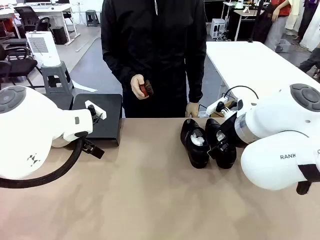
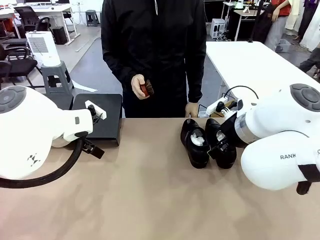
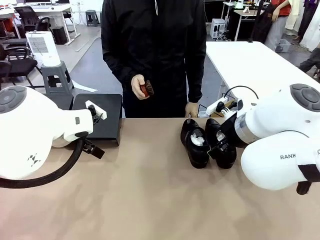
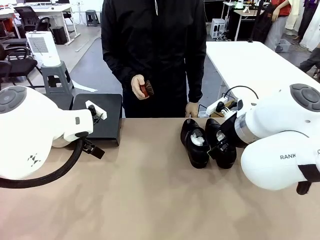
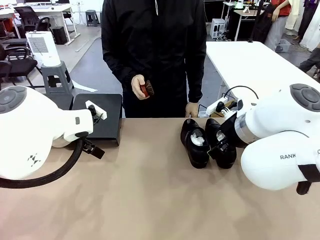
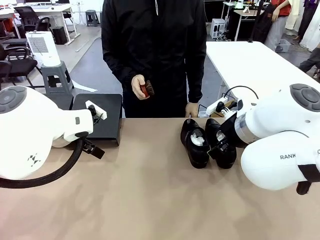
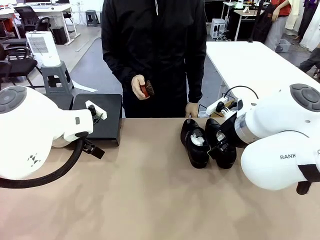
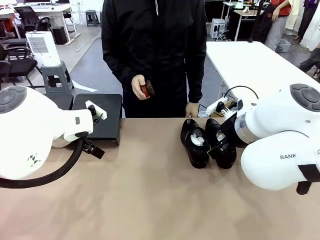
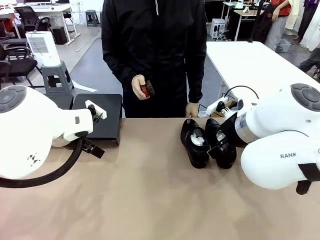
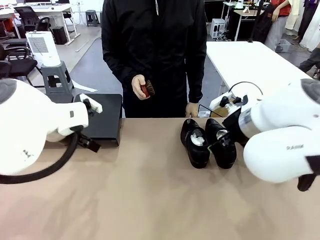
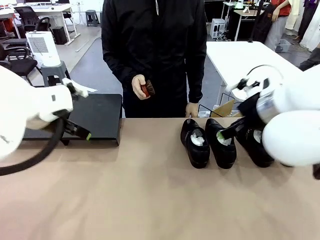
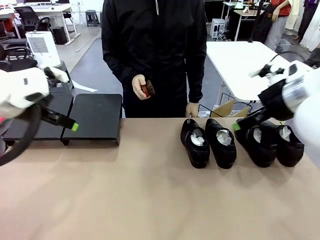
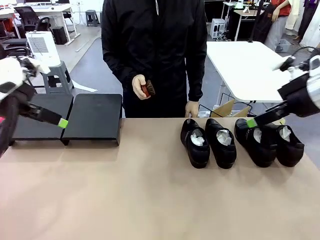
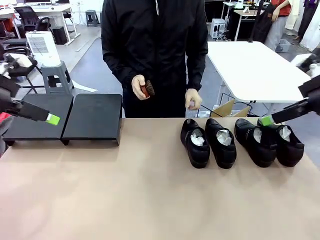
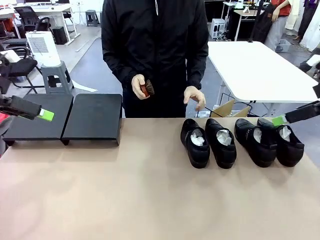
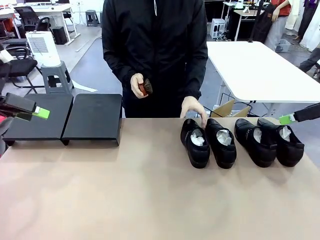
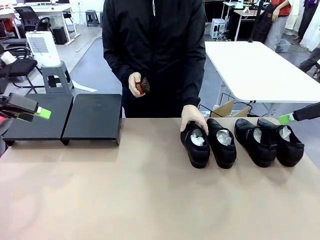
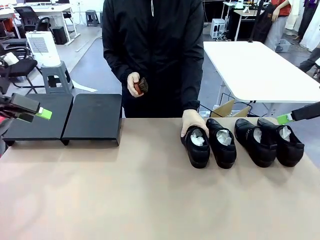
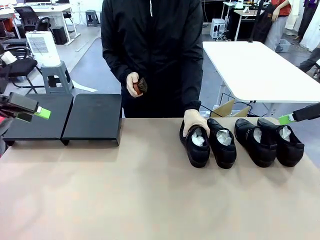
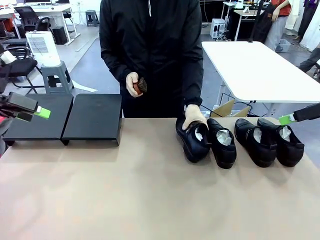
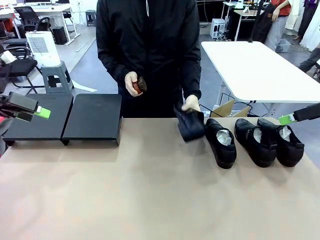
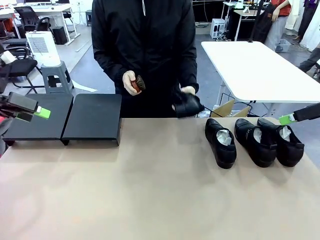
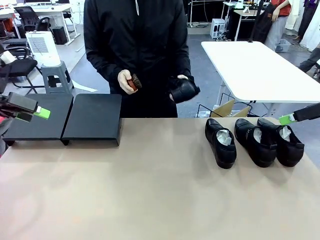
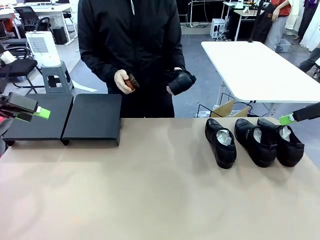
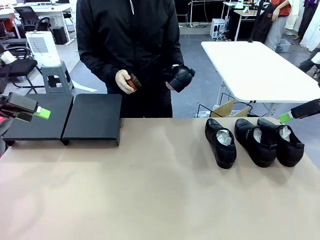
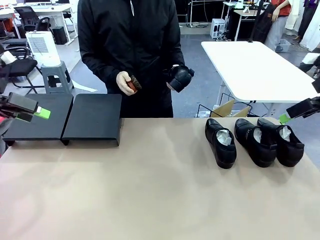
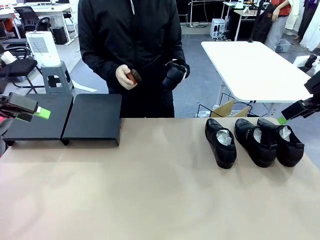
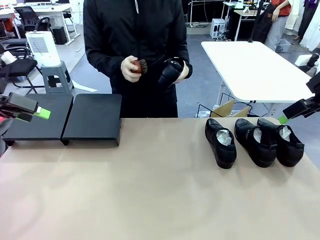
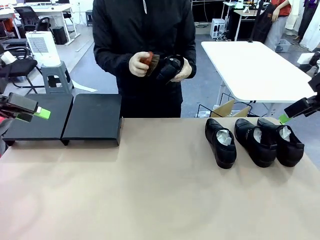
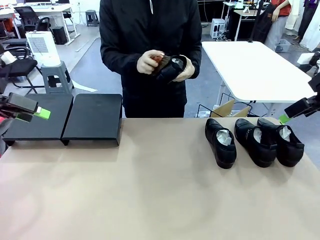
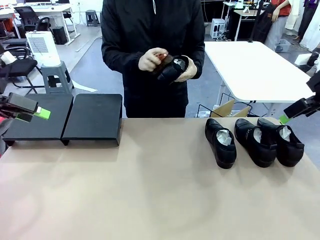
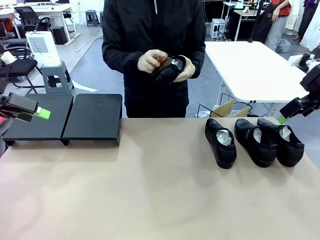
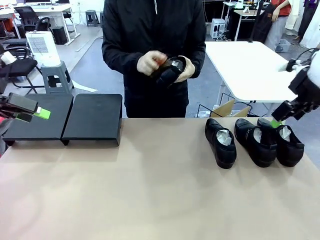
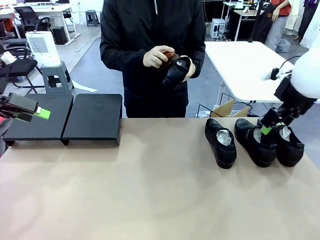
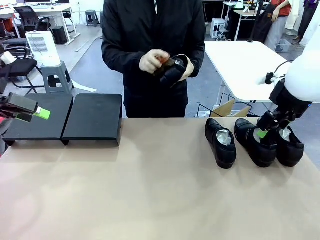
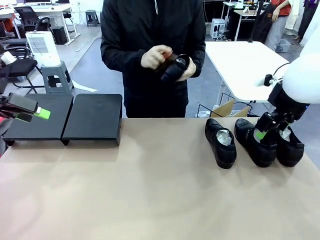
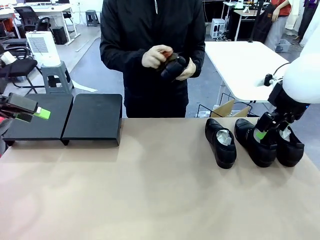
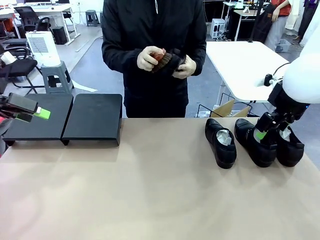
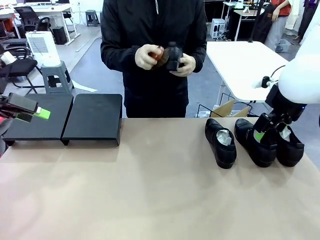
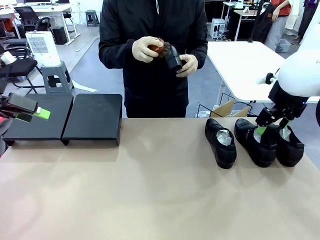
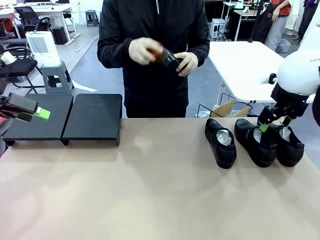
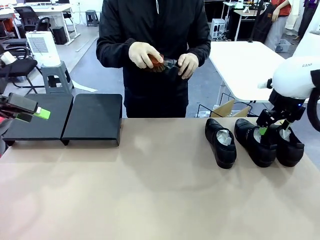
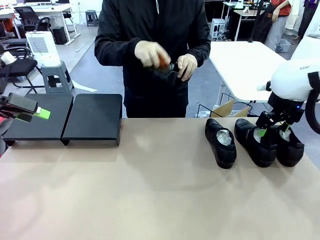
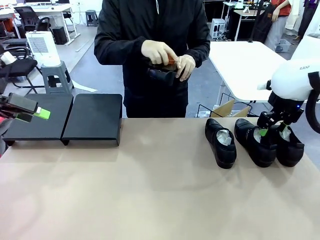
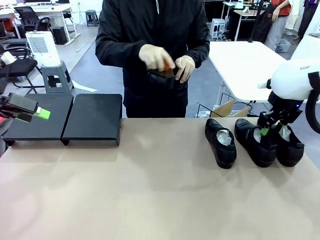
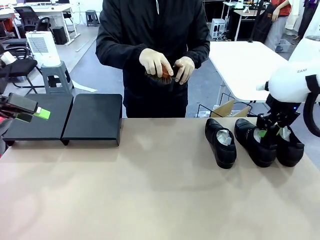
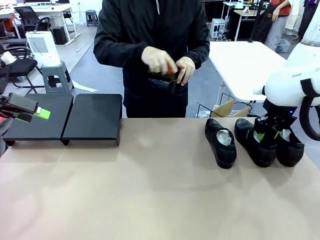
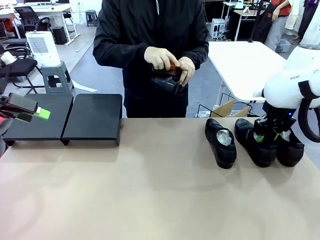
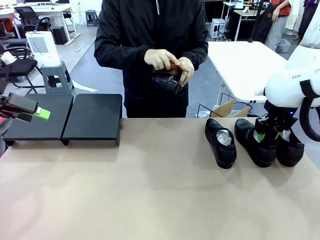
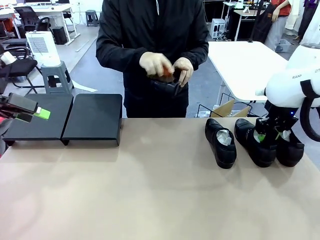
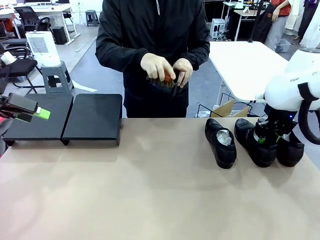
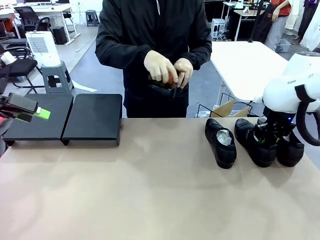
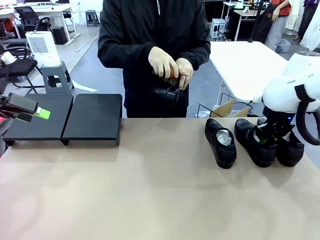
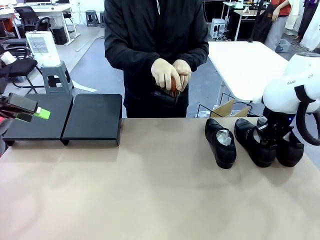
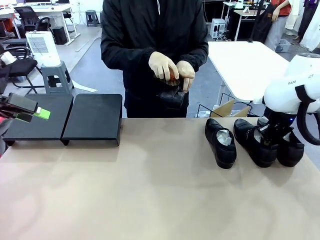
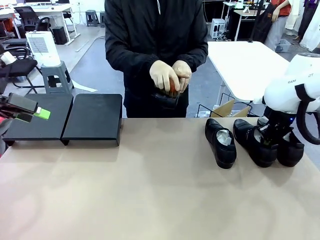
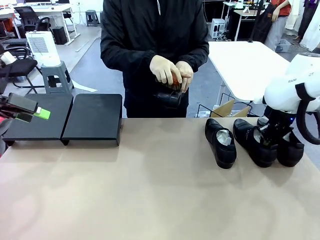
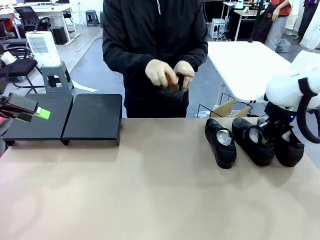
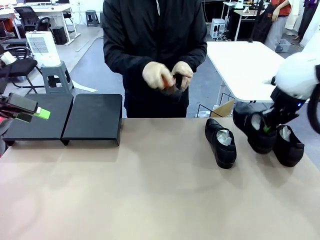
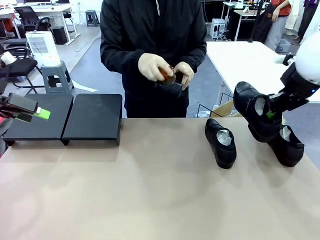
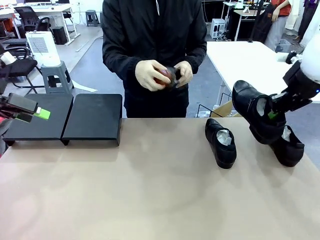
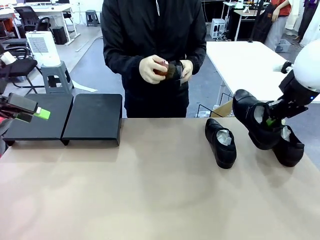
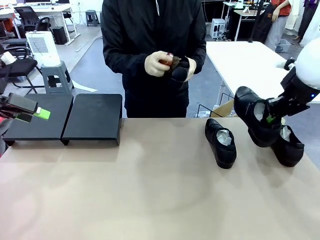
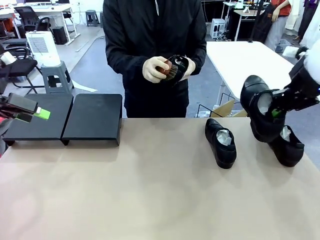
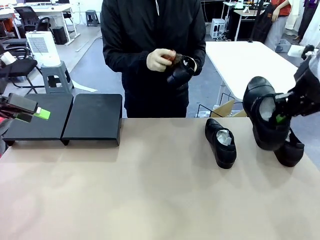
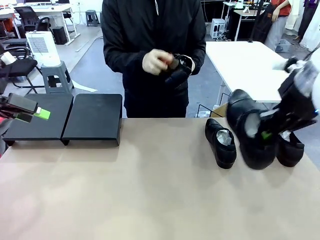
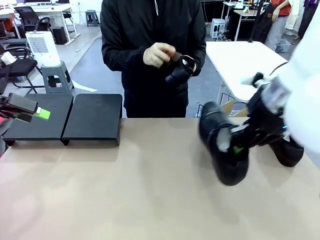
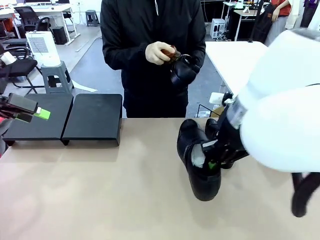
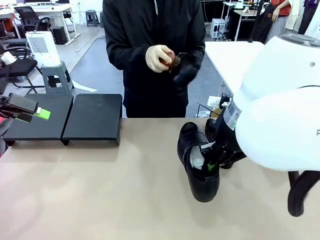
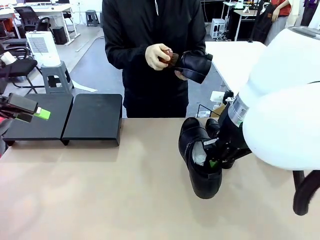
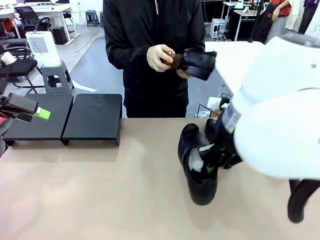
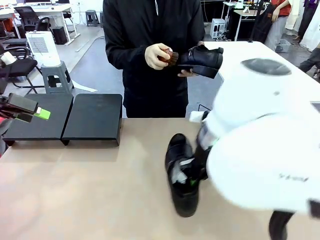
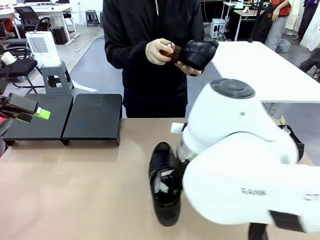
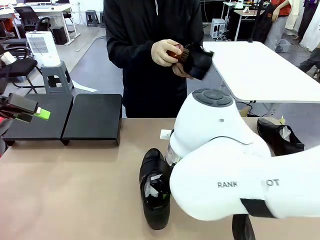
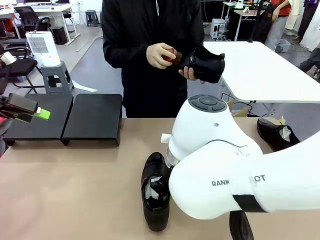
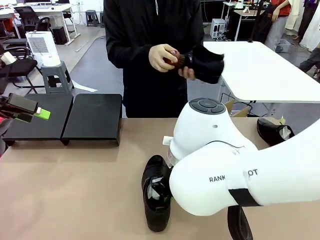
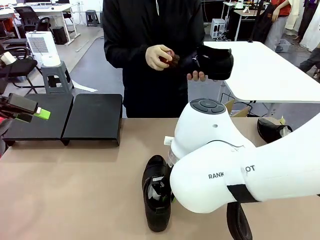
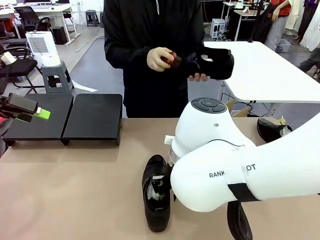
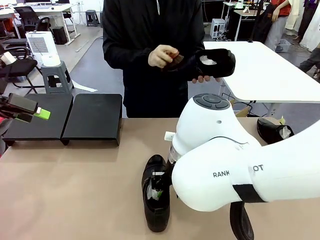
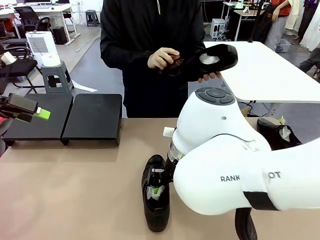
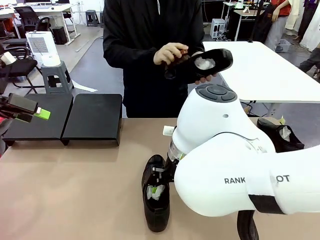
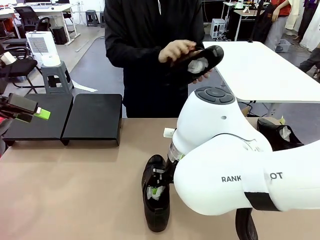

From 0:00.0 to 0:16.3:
Task: Organize the shoes by placing them on the stand.
Robot: Pick up one Shoe and place it in the middle of the table.
Person: Pick one Shoe on Robot's table. Clean the Shoe with the Shoe Brush.
